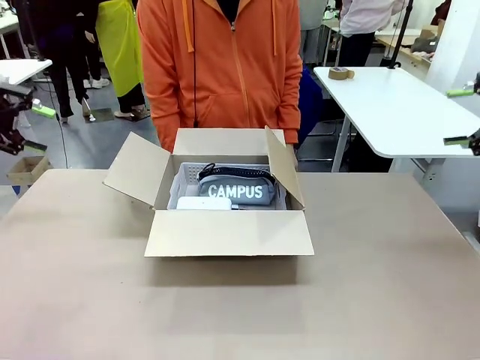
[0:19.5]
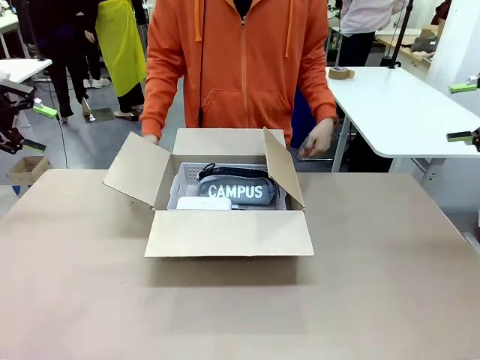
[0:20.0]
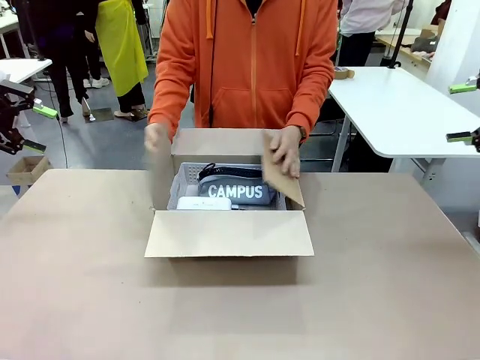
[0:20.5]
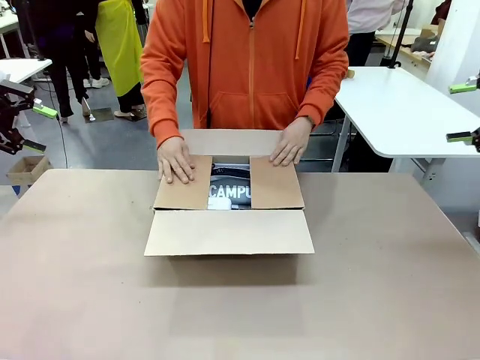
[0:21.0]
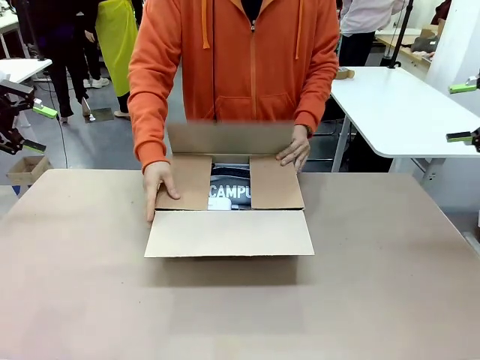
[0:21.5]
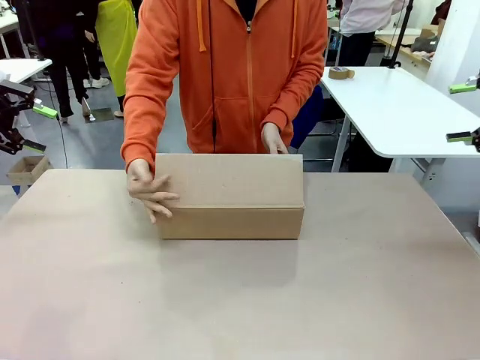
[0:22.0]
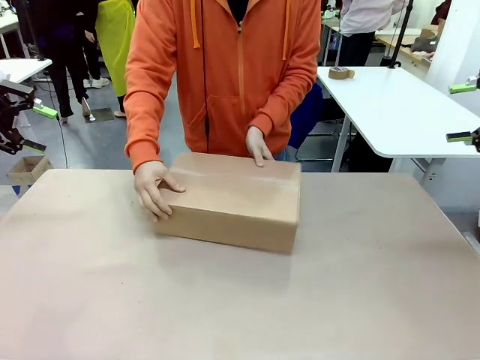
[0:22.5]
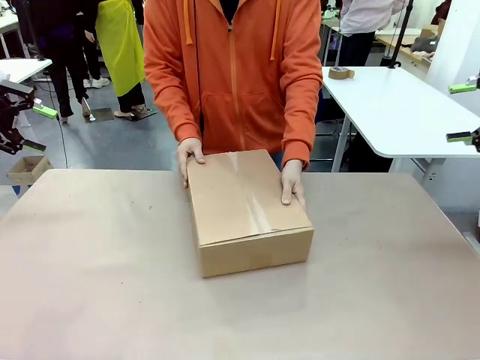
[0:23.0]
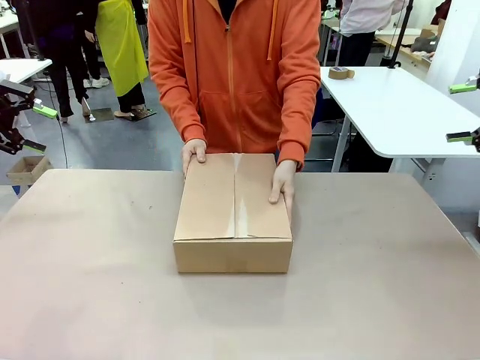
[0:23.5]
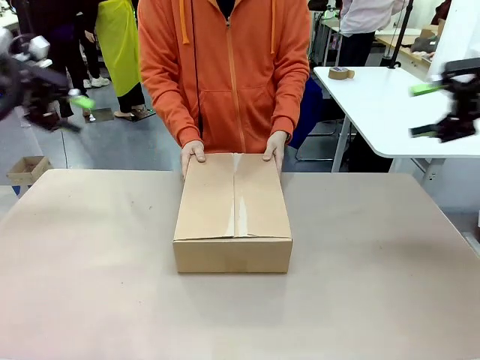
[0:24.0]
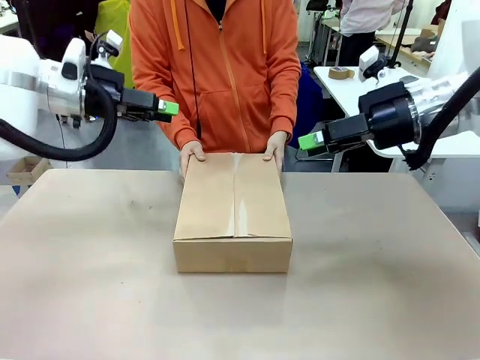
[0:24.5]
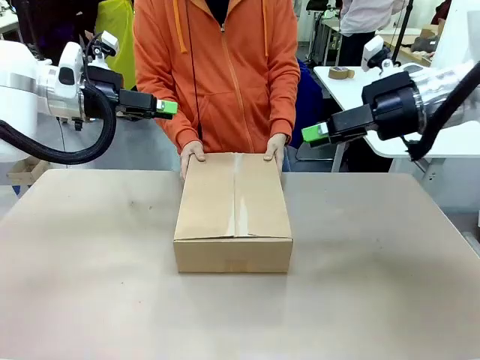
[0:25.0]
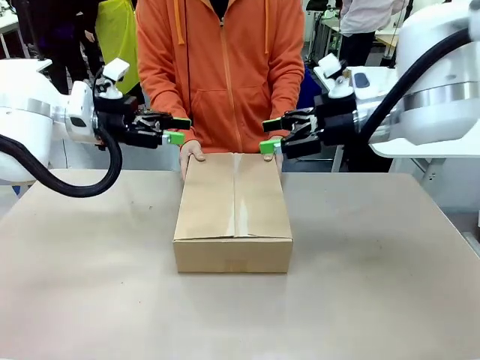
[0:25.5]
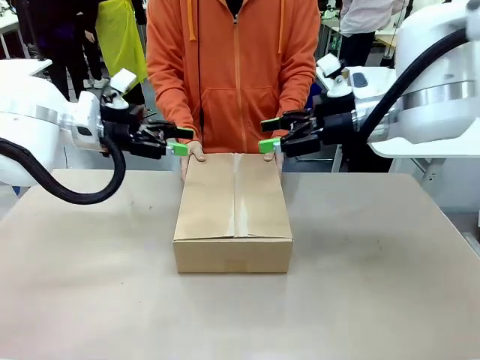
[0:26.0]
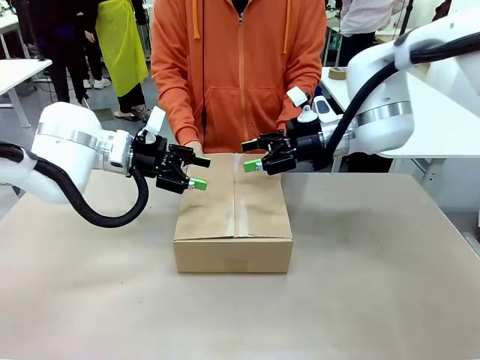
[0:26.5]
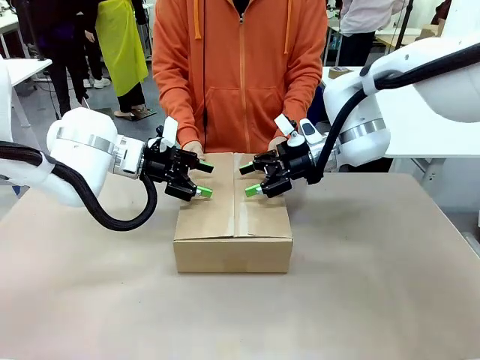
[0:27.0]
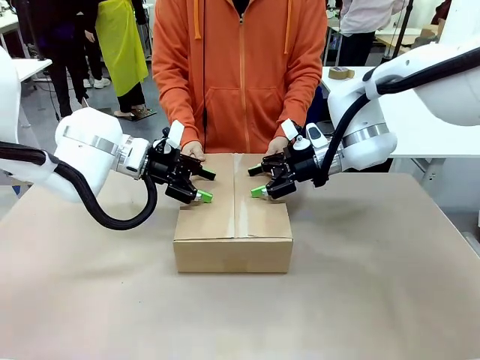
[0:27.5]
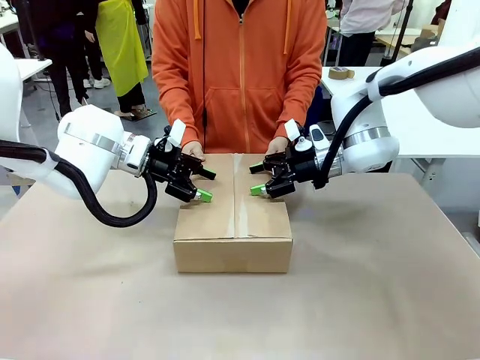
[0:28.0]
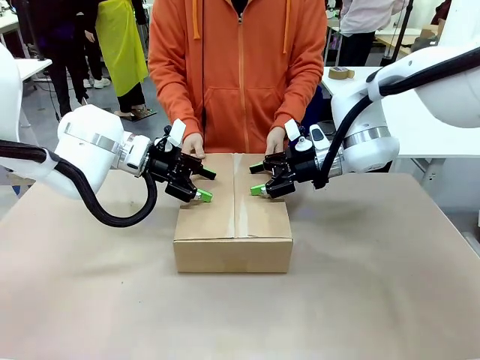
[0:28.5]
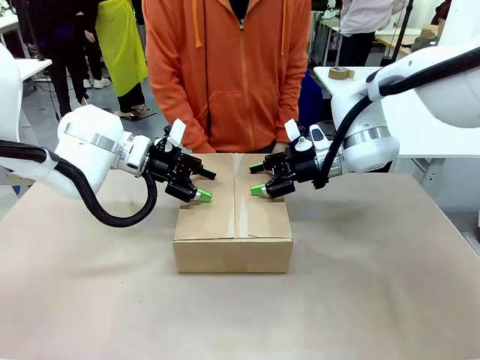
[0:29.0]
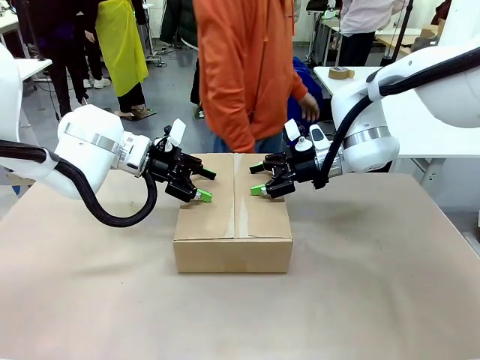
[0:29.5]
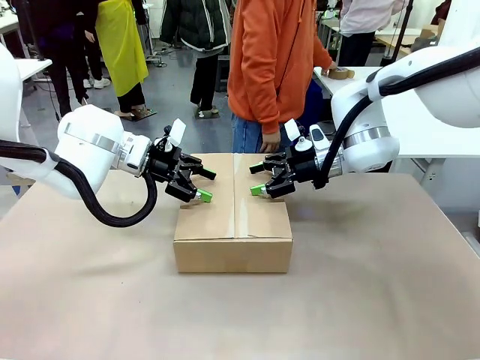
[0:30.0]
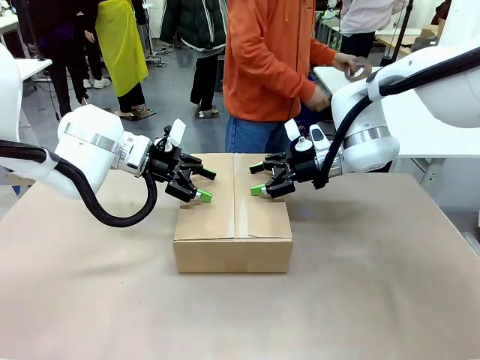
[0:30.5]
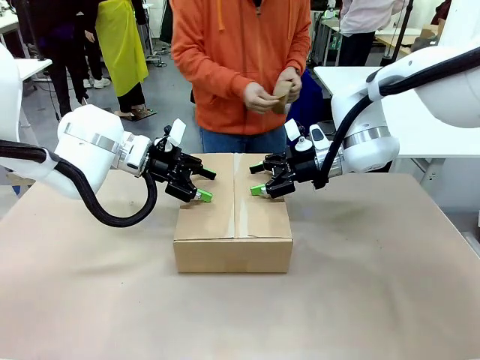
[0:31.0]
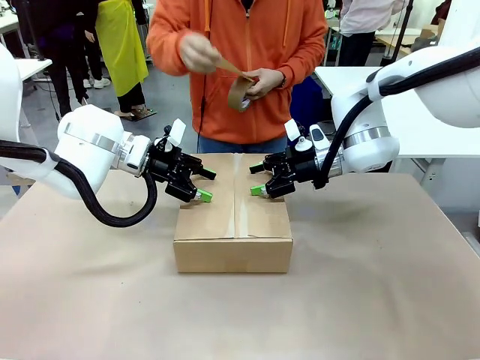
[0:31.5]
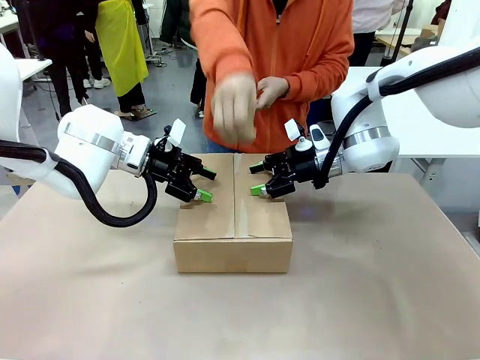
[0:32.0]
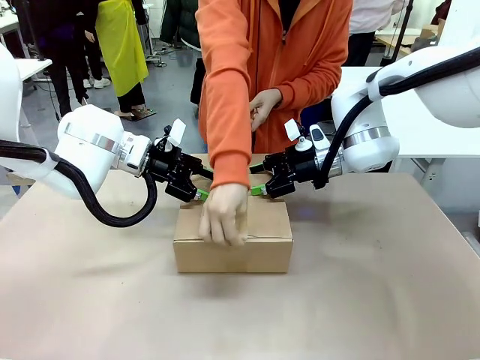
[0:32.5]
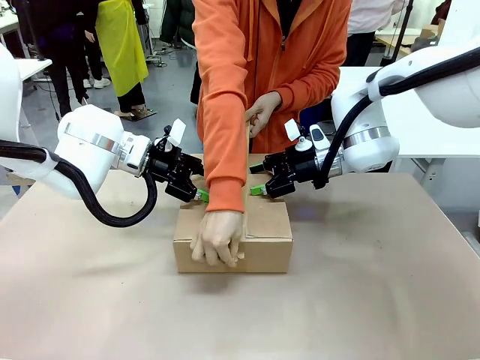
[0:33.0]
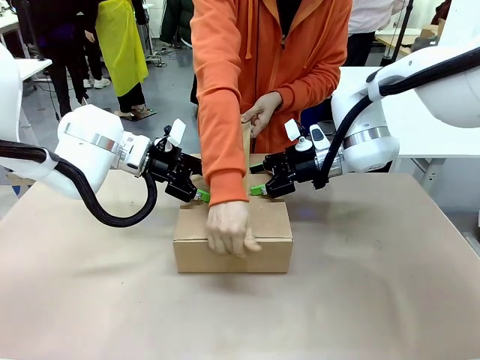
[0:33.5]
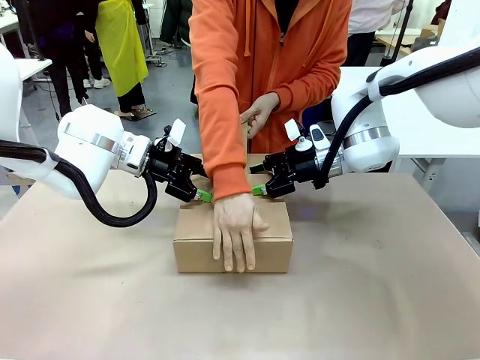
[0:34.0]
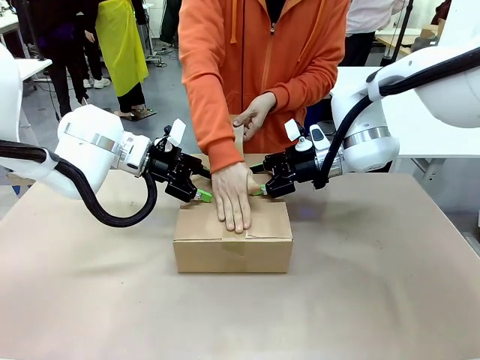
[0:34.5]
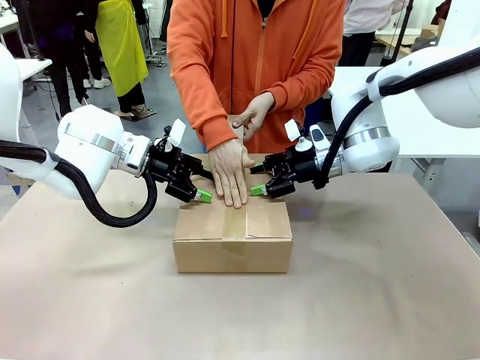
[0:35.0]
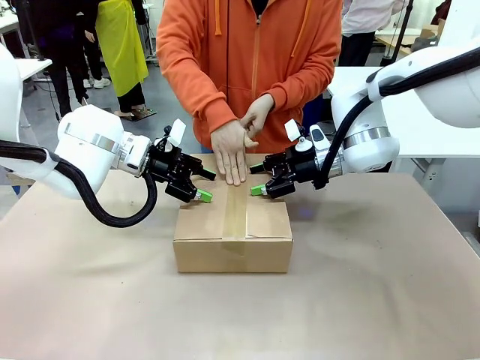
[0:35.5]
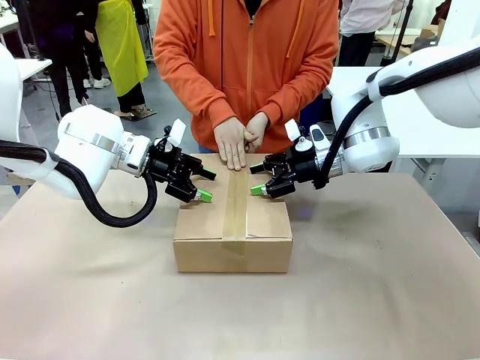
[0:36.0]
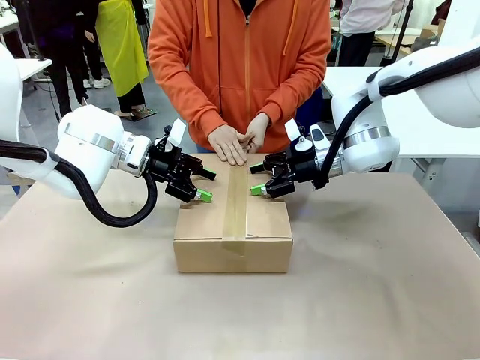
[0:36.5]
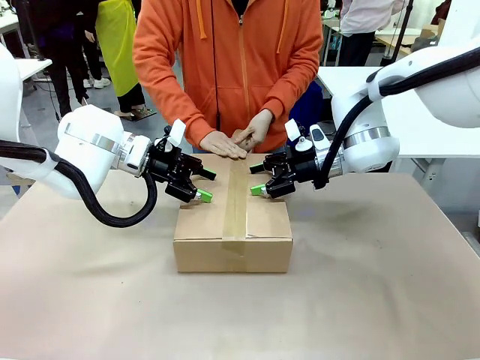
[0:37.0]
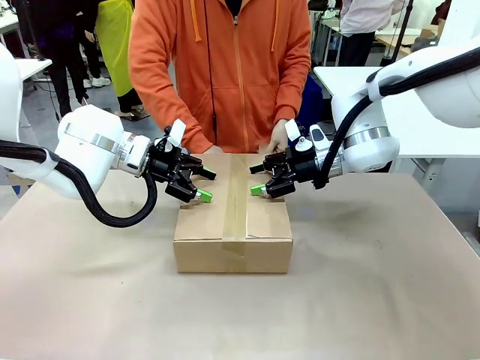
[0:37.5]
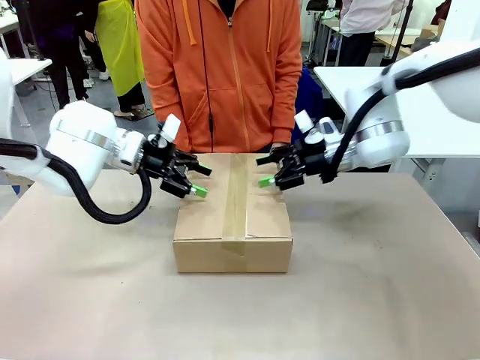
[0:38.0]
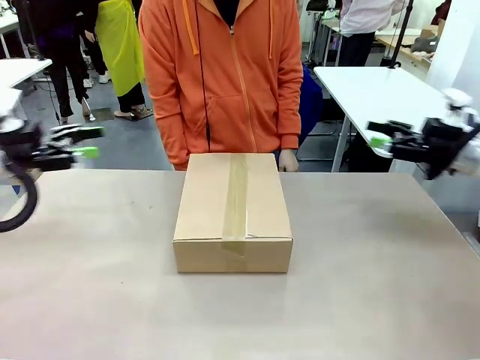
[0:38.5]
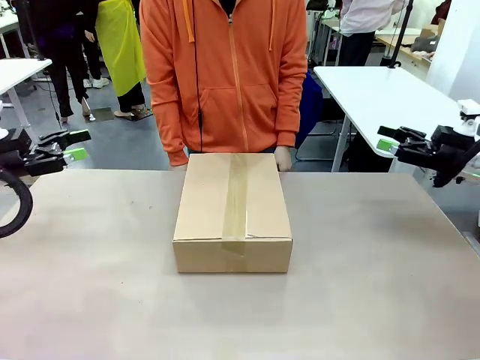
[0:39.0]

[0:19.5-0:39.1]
Task: Pack the gift set into the box.
Robot: Press and hold the closed box until the human finishes sealing it.
Person: The human closes the box and rotates the box by 90 degrees. The human picks up the paper tape from the human table and packs the box.

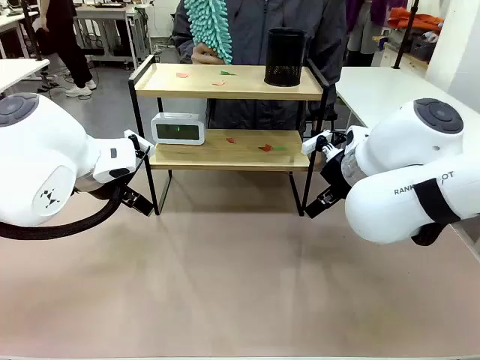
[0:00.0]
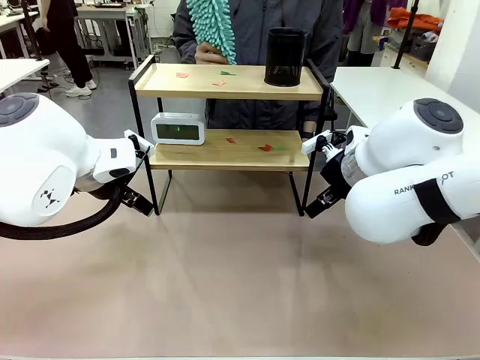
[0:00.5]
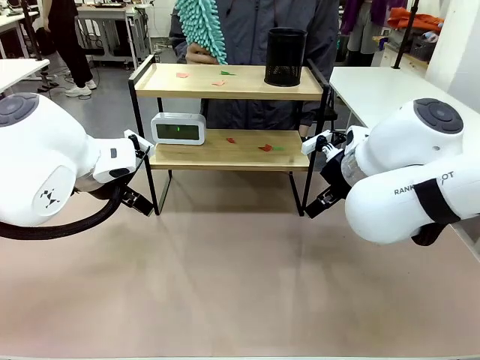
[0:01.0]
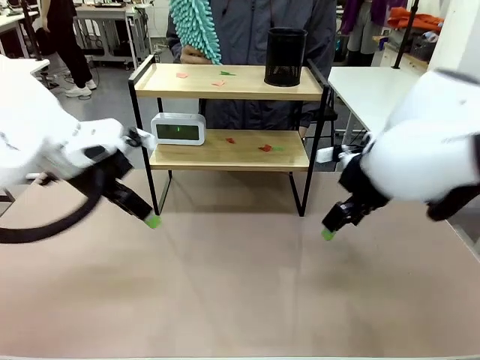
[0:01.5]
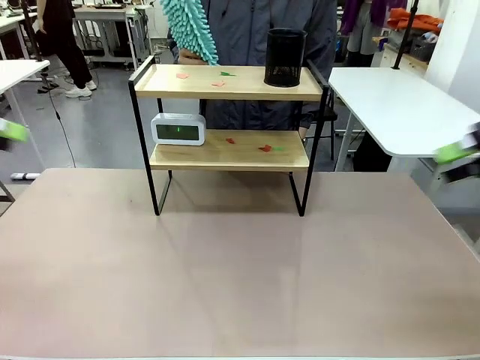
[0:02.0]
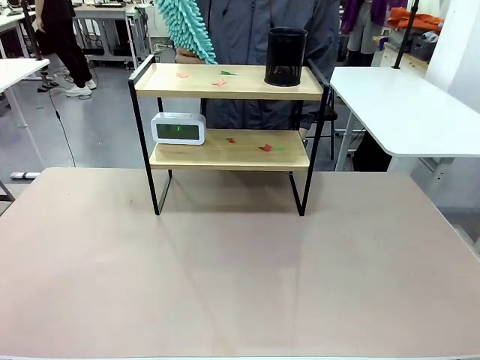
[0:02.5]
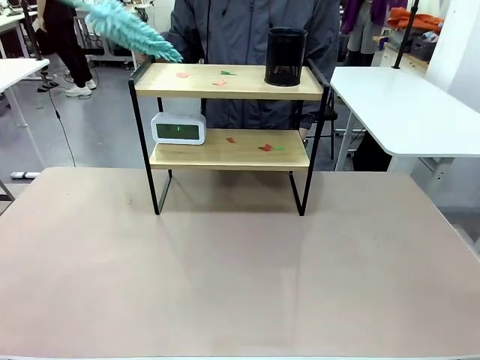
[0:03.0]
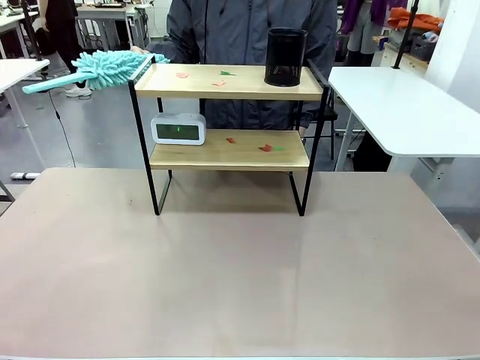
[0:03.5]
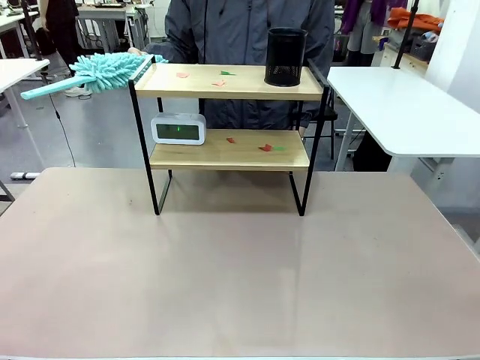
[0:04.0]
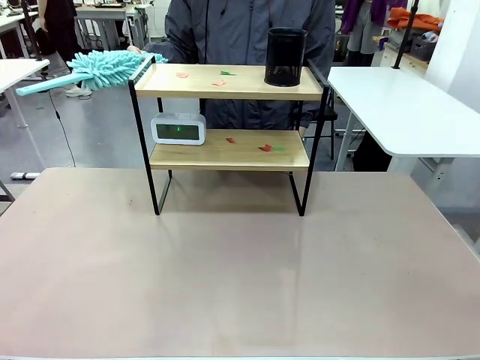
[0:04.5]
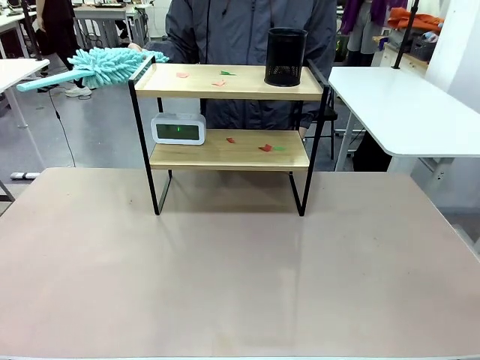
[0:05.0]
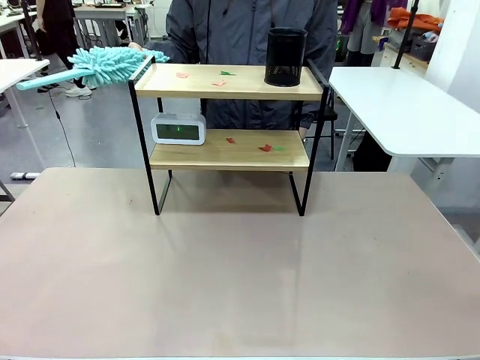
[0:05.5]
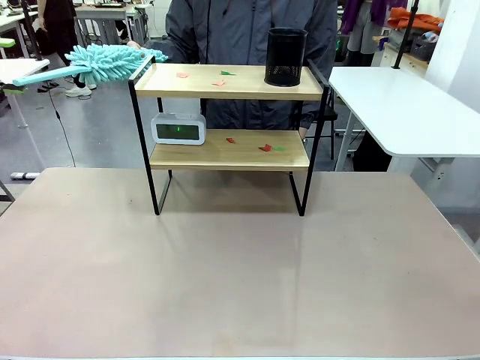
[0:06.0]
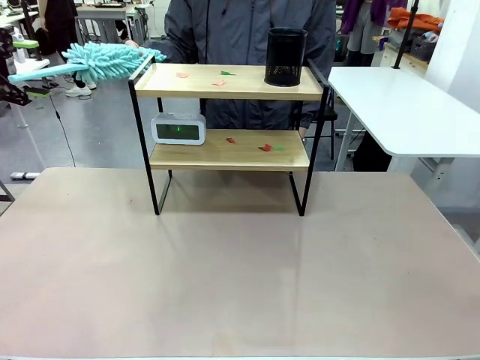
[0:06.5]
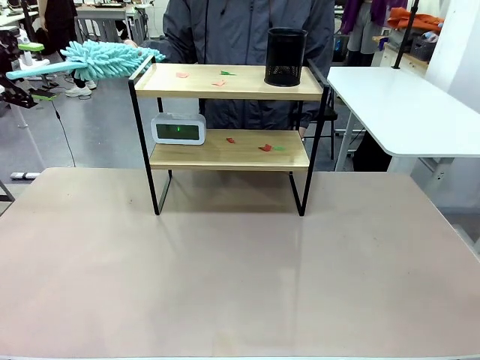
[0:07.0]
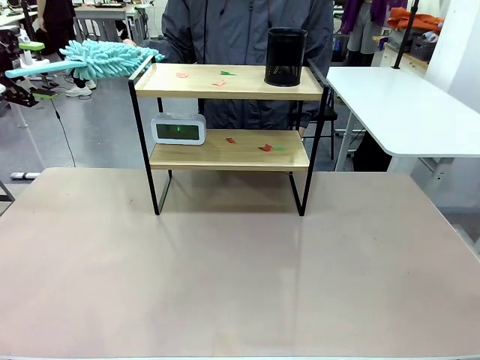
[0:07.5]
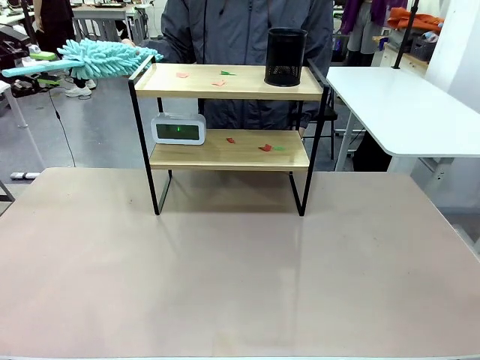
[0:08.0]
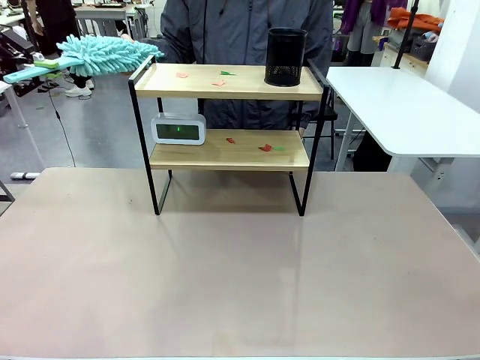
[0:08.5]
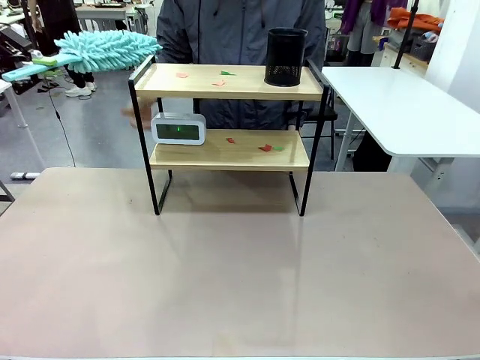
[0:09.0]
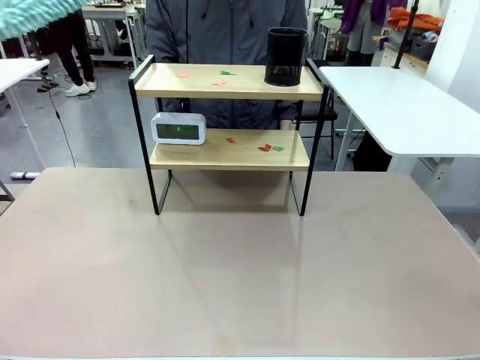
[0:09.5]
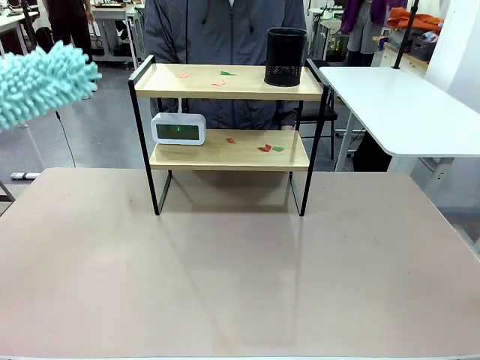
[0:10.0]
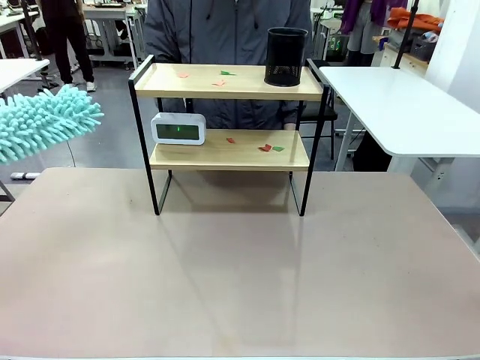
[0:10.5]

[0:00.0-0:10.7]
Task: Clean the shelf.
Robot: Pick up the Duster from the human.
Person: Hand the Duster to the robot.
